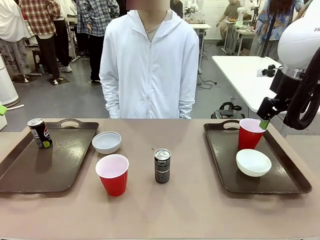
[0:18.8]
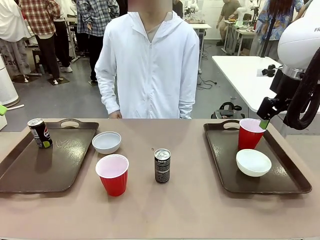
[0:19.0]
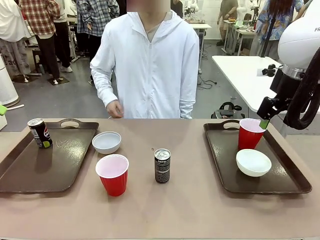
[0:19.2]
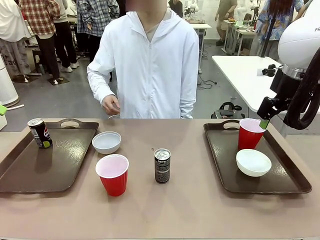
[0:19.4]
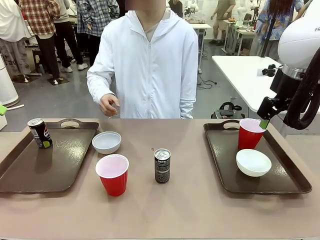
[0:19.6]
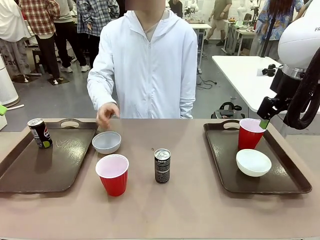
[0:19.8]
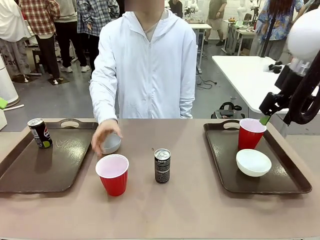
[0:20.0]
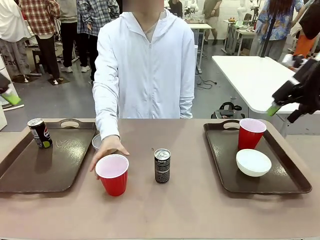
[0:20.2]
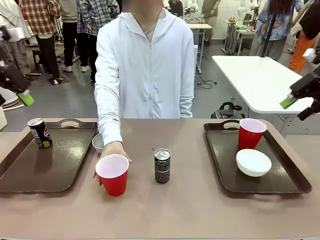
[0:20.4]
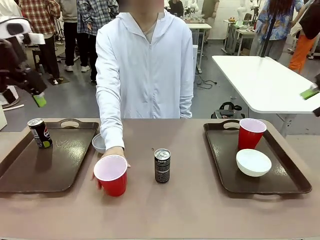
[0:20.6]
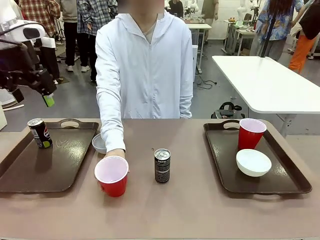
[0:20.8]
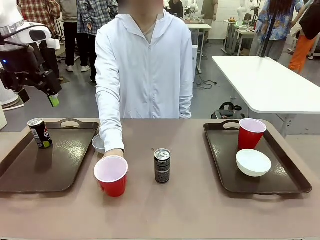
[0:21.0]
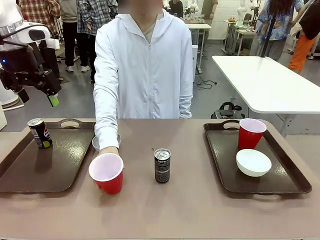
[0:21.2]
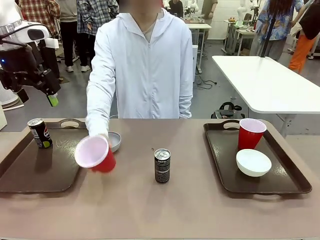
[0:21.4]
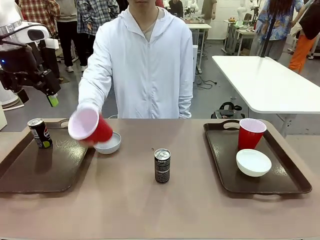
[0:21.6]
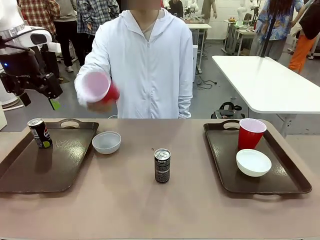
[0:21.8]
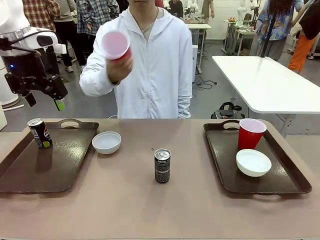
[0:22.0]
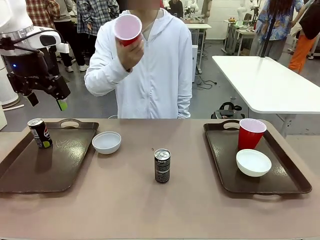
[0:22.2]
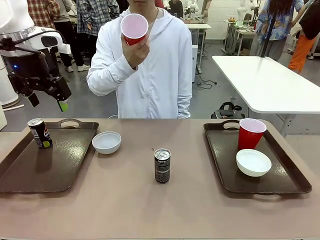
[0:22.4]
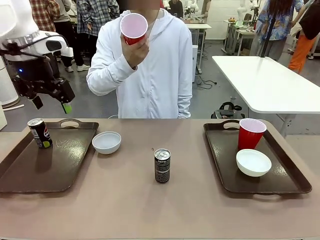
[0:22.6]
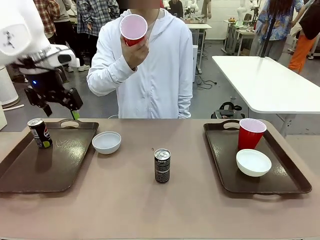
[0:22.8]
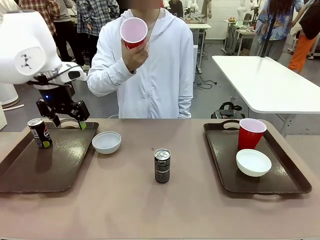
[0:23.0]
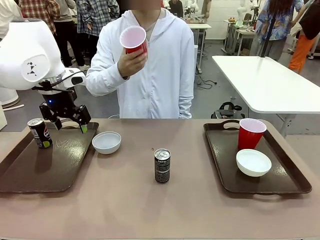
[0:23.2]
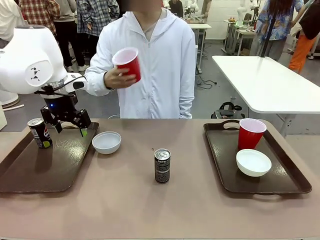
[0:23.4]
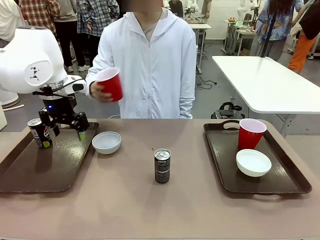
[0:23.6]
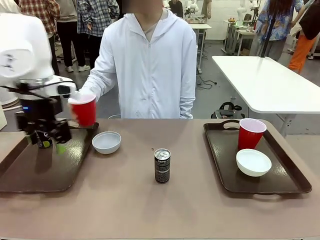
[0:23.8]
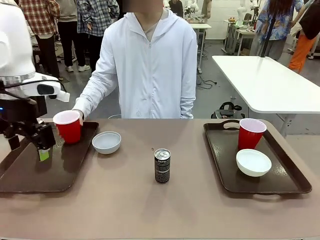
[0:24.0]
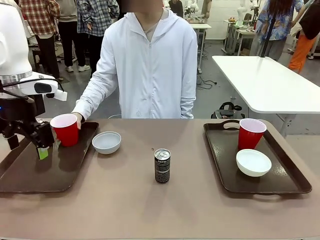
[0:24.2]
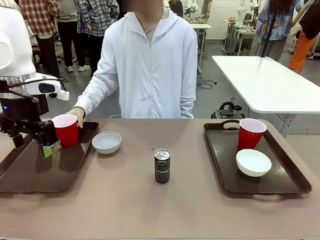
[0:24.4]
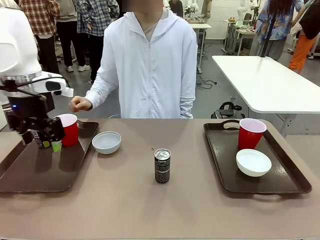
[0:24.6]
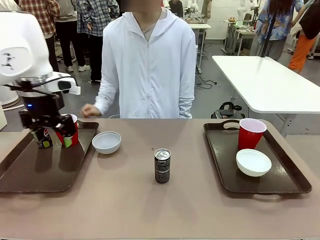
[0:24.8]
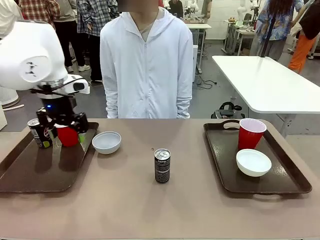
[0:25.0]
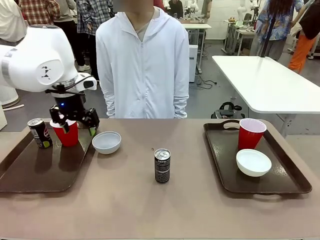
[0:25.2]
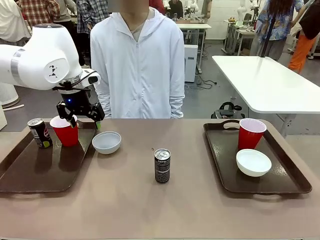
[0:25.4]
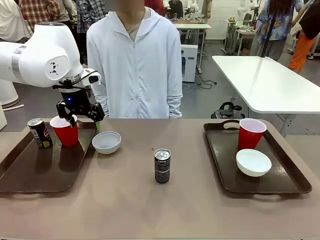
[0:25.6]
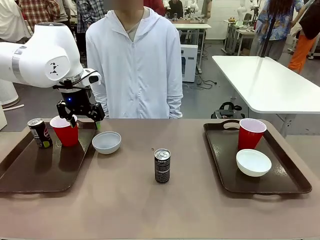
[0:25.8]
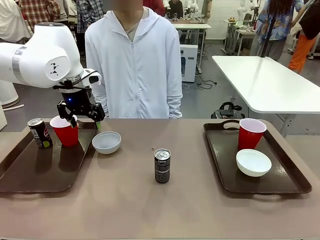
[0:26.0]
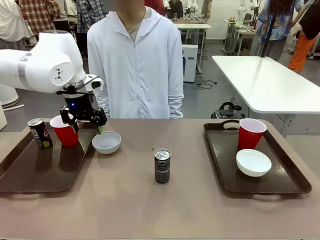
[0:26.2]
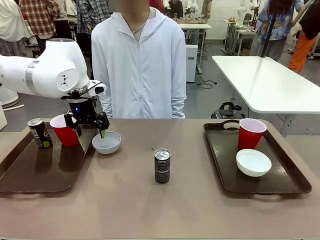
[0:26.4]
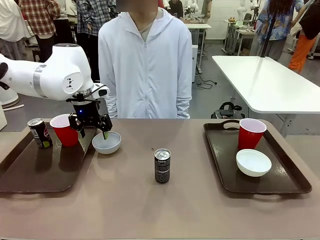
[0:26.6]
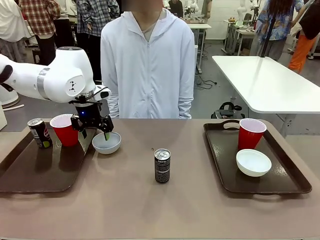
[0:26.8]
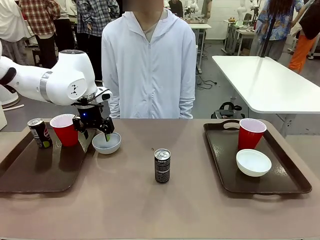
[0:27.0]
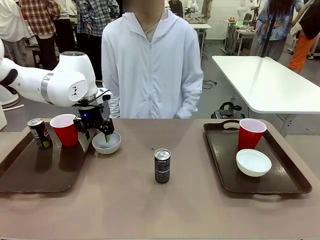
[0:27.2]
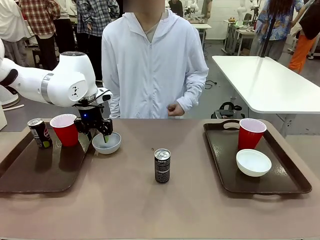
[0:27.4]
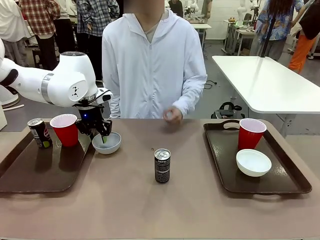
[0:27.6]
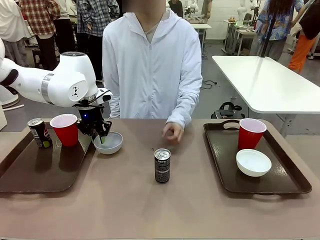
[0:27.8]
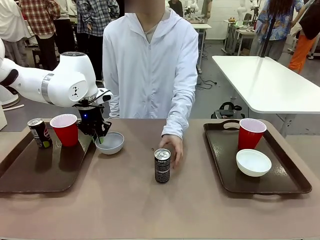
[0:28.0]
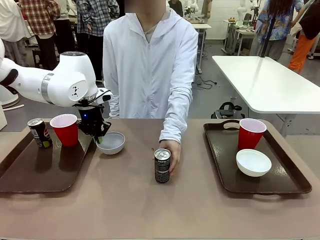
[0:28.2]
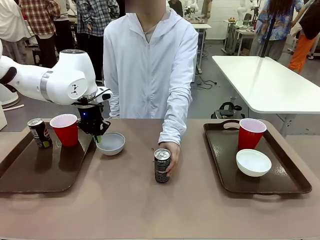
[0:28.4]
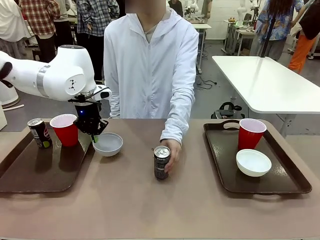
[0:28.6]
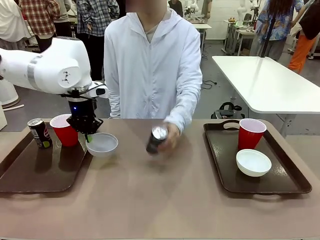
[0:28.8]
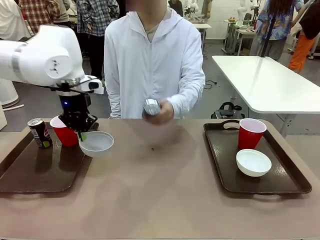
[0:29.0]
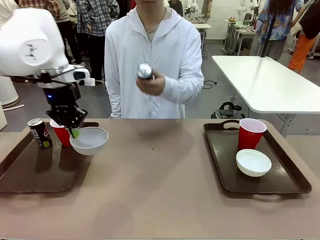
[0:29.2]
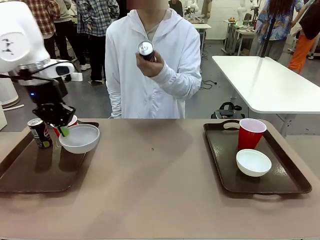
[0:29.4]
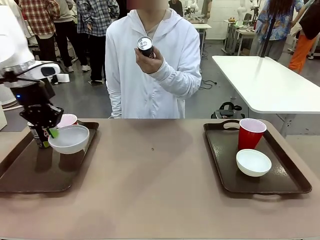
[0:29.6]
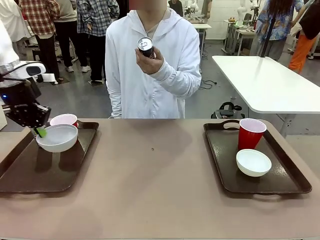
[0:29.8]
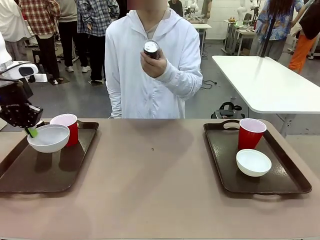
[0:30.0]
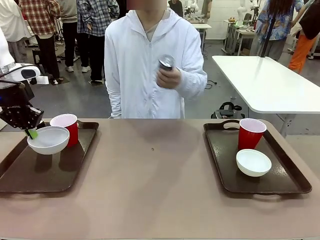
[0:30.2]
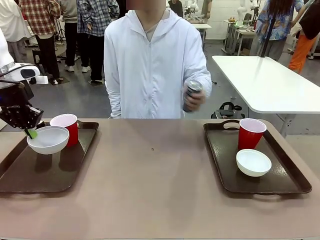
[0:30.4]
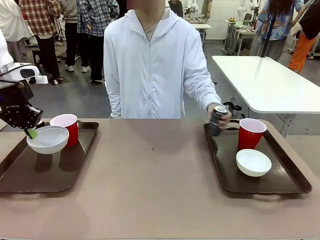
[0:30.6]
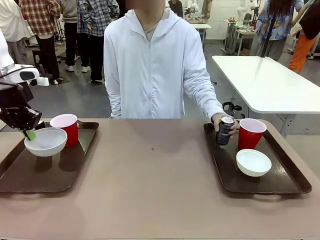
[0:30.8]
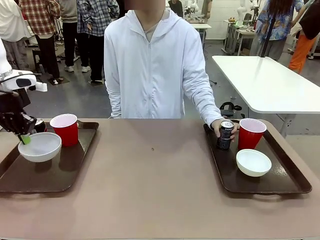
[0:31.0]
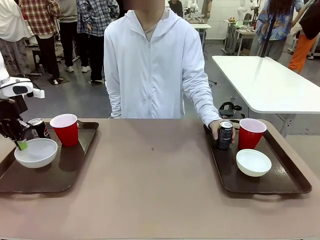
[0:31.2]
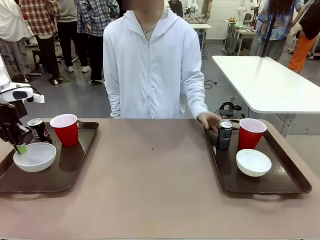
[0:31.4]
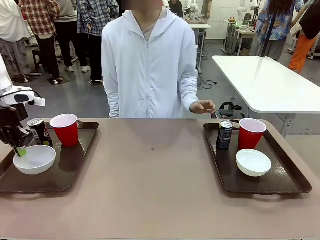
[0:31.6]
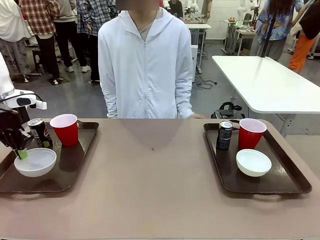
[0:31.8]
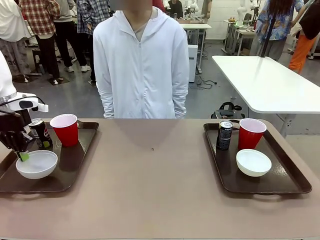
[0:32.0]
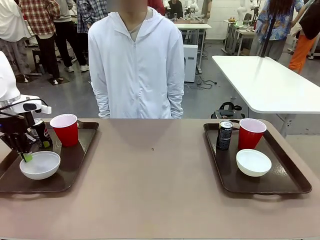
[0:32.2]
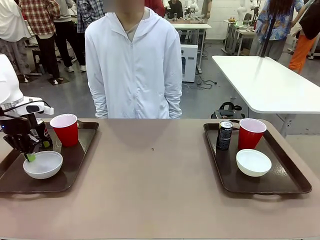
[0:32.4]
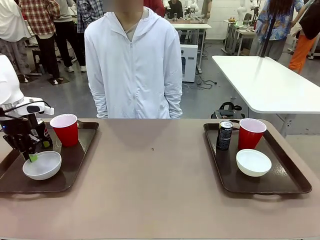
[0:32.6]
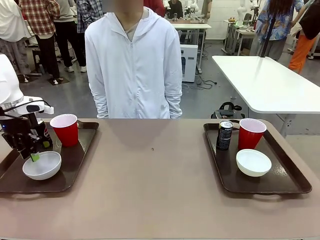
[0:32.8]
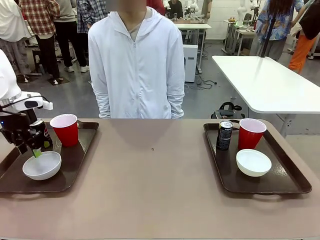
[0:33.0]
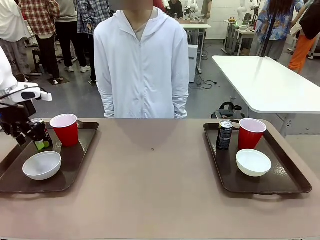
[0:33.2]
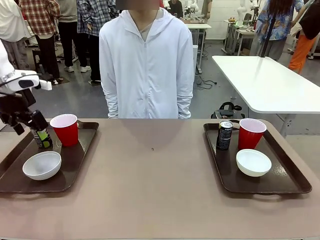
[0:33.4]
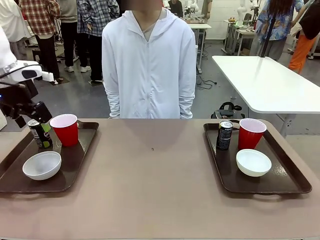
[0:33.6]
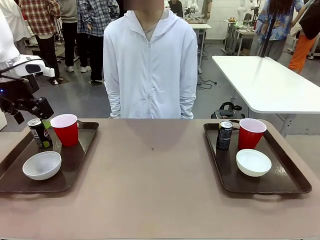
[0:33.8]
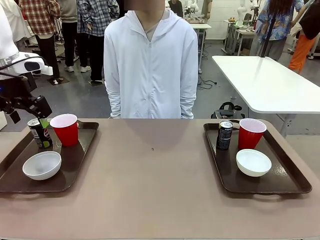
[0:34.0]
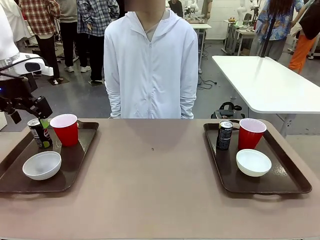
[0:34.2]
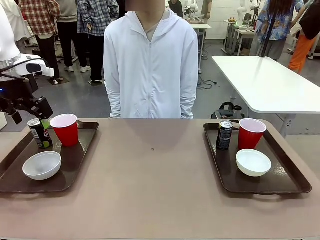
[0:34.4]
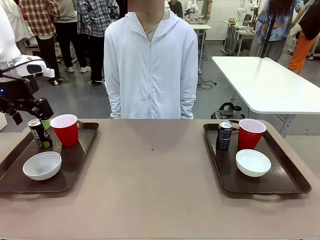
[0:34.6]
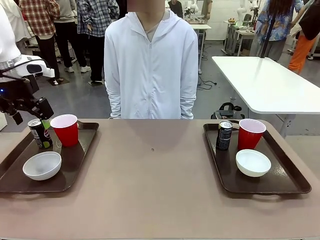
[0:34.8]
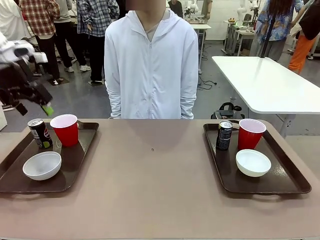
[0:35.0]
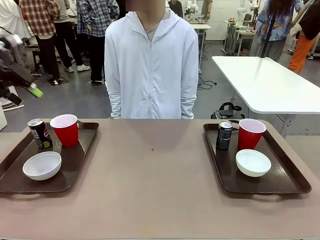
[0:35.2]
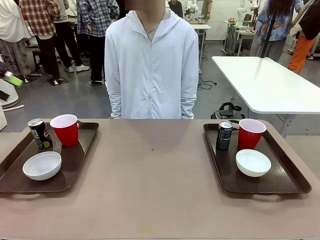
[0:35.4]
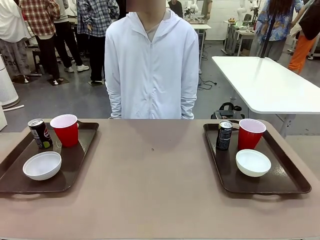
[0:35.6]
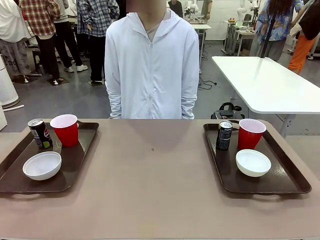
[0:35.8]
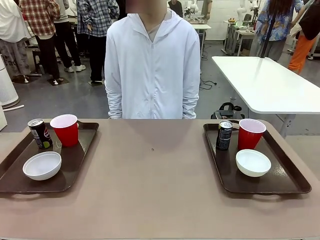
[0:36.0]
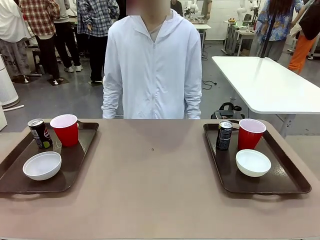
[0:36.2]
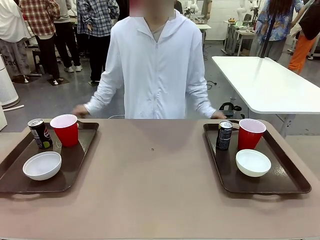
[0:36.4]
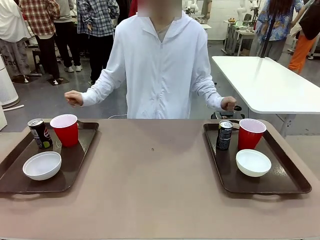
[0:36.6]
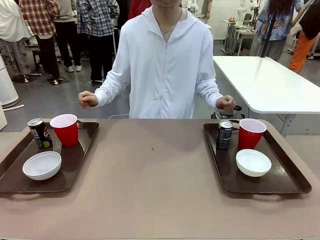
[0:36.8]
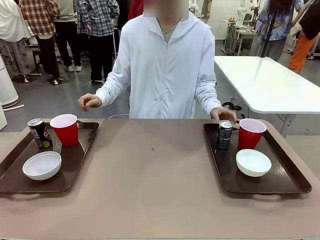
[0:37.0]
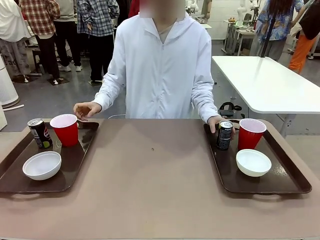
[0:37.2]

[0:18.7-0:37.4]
Task: Prepare tableware on both trays.
Robot: Pick up a Picnic Bowl from the table and place it on a Handle tray.
Person: Pick up a can or cup and place it on the tray without a can or cup.
